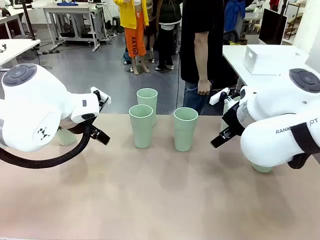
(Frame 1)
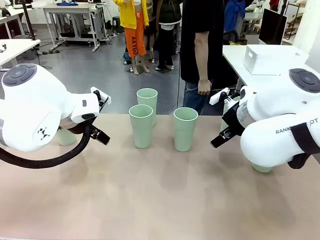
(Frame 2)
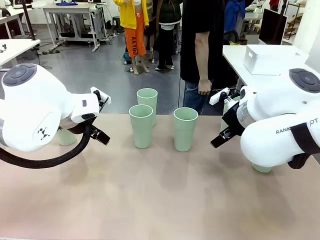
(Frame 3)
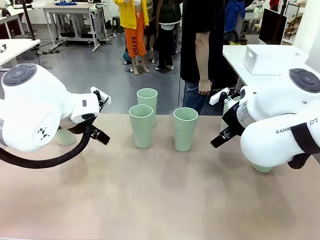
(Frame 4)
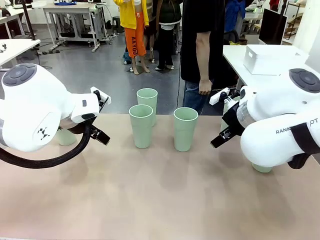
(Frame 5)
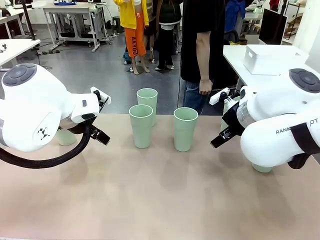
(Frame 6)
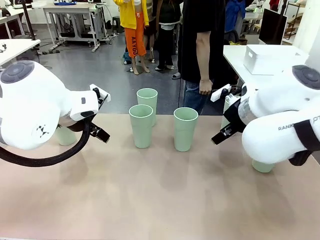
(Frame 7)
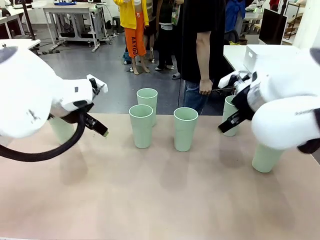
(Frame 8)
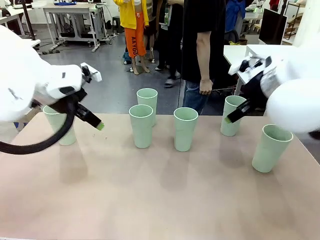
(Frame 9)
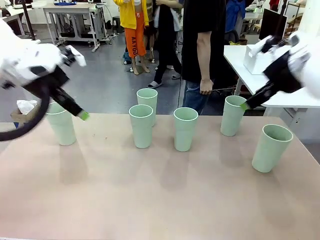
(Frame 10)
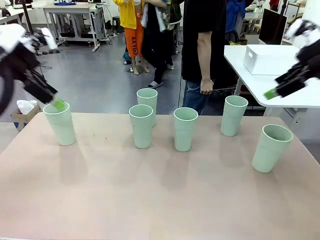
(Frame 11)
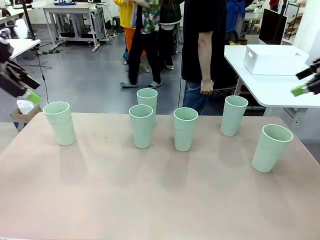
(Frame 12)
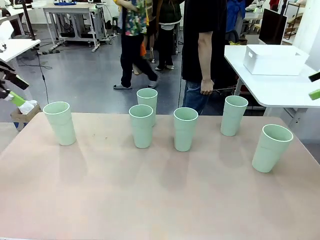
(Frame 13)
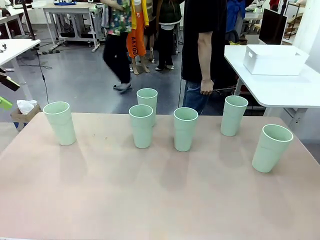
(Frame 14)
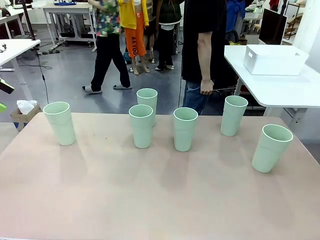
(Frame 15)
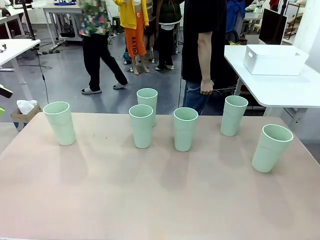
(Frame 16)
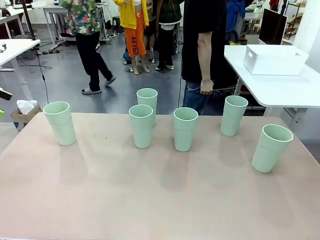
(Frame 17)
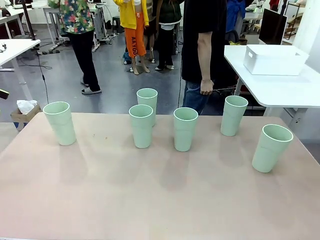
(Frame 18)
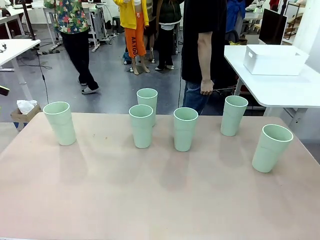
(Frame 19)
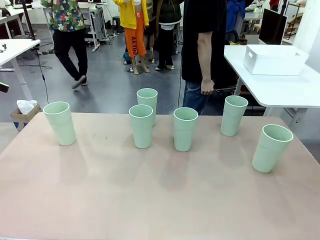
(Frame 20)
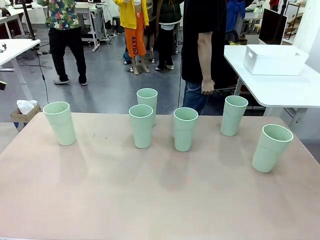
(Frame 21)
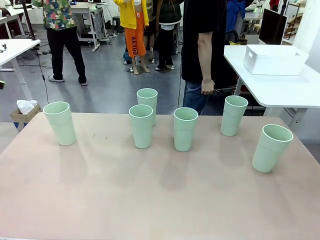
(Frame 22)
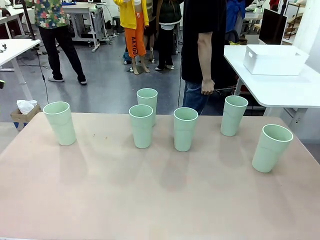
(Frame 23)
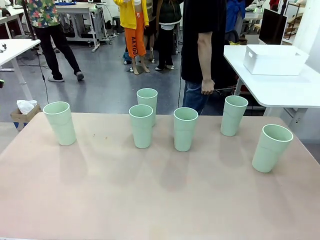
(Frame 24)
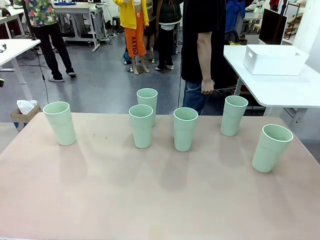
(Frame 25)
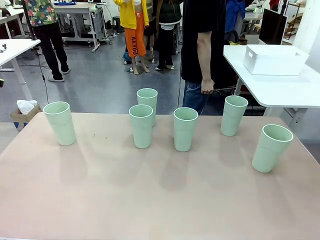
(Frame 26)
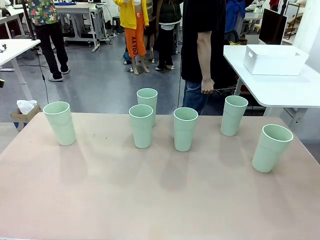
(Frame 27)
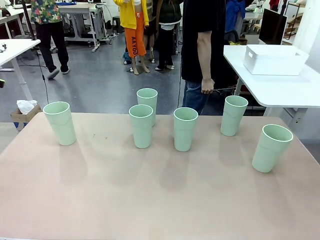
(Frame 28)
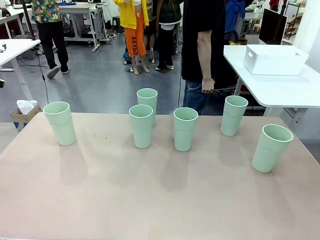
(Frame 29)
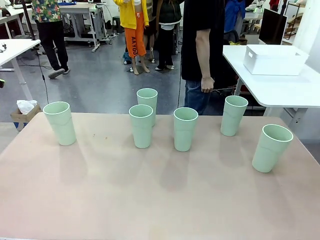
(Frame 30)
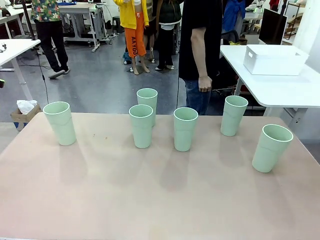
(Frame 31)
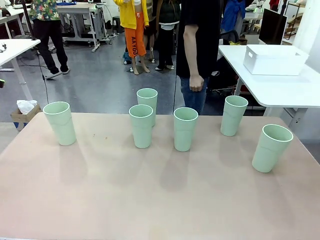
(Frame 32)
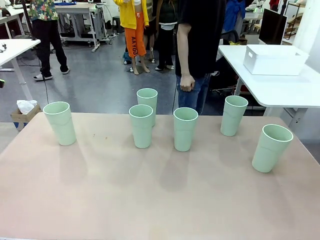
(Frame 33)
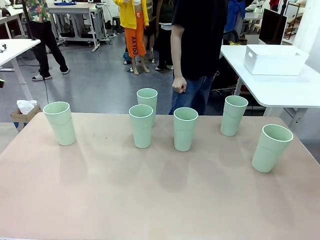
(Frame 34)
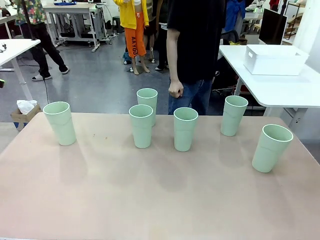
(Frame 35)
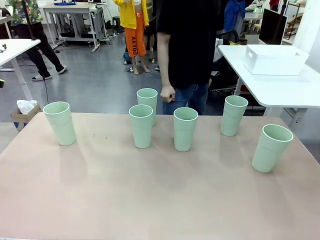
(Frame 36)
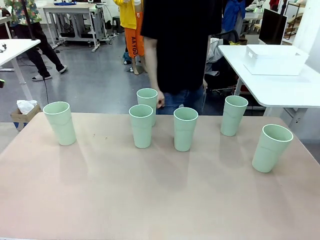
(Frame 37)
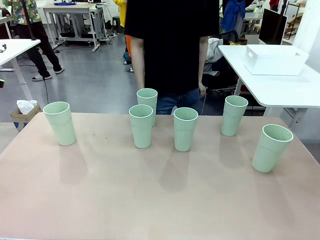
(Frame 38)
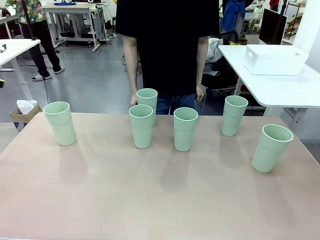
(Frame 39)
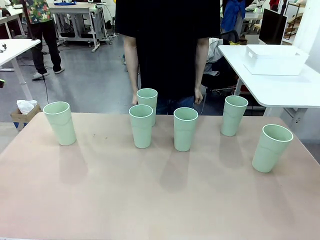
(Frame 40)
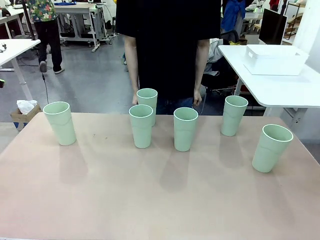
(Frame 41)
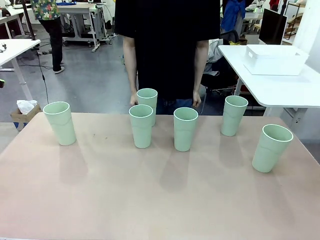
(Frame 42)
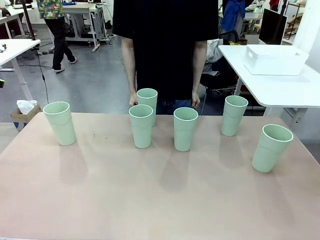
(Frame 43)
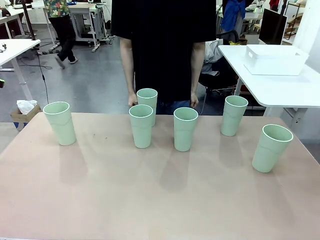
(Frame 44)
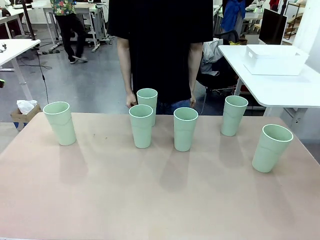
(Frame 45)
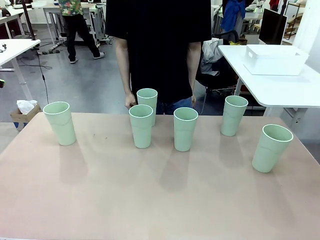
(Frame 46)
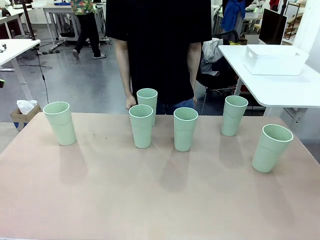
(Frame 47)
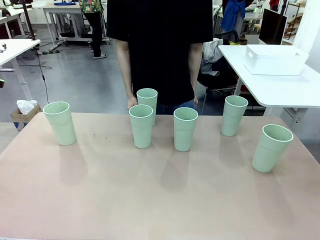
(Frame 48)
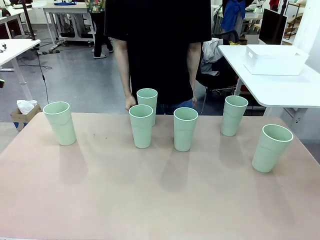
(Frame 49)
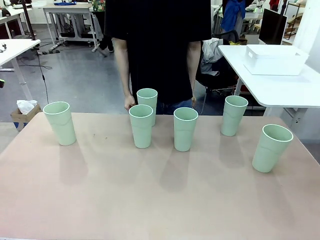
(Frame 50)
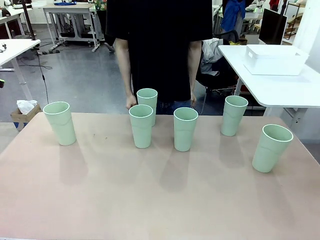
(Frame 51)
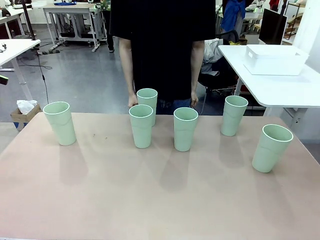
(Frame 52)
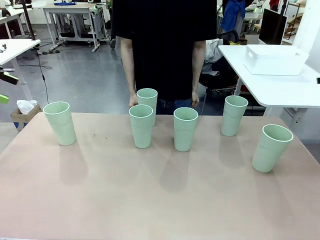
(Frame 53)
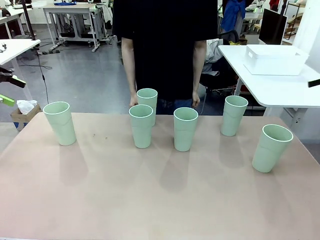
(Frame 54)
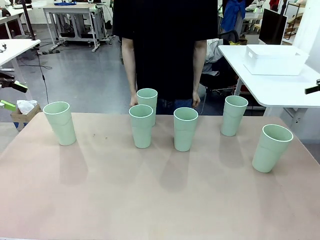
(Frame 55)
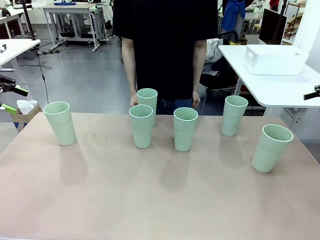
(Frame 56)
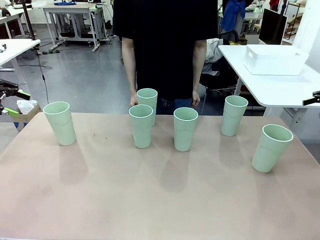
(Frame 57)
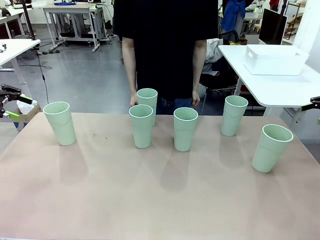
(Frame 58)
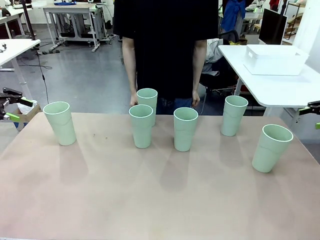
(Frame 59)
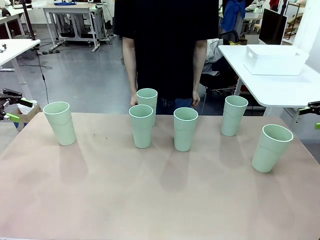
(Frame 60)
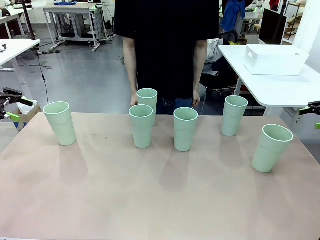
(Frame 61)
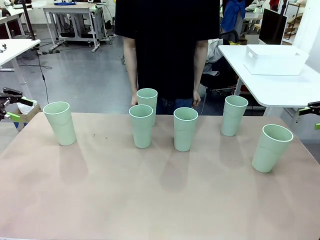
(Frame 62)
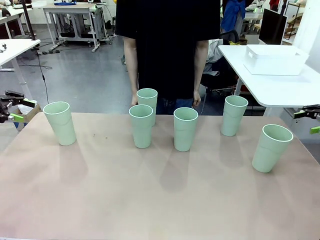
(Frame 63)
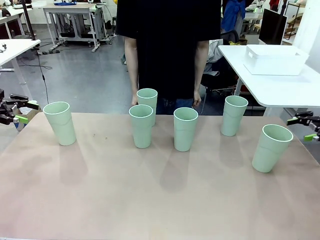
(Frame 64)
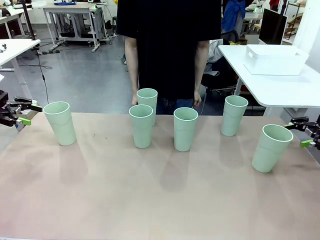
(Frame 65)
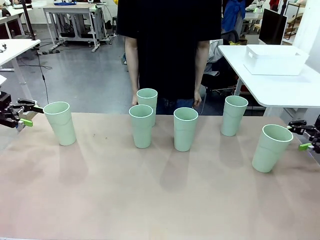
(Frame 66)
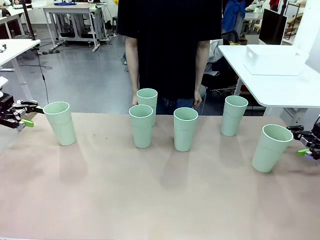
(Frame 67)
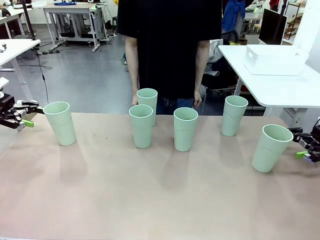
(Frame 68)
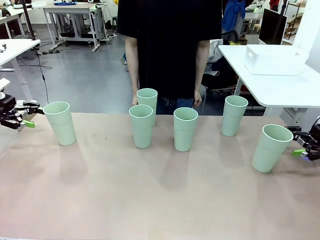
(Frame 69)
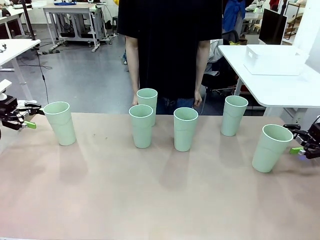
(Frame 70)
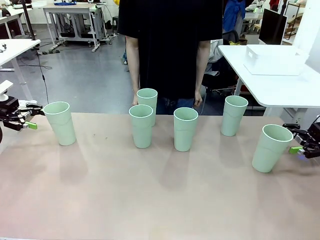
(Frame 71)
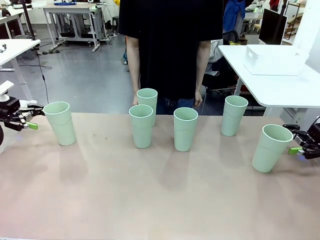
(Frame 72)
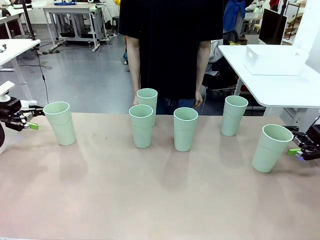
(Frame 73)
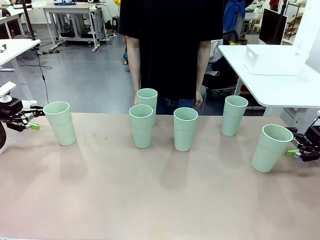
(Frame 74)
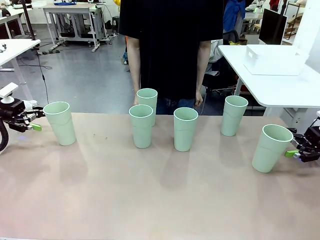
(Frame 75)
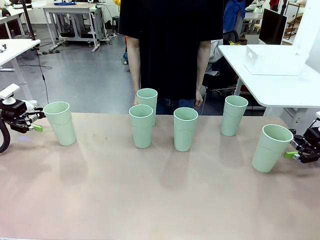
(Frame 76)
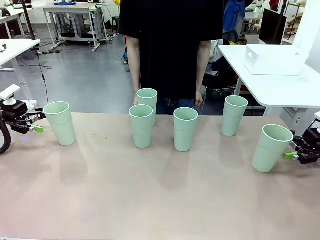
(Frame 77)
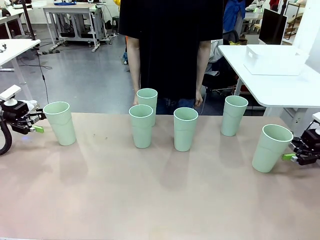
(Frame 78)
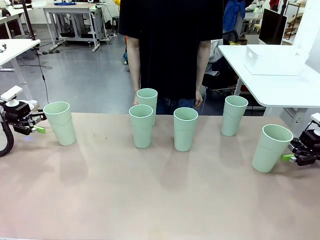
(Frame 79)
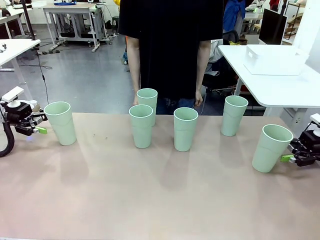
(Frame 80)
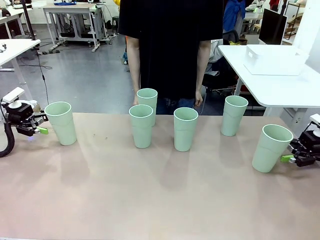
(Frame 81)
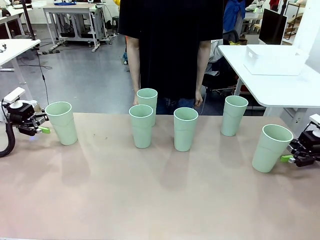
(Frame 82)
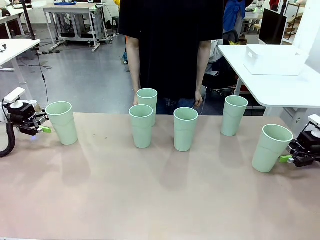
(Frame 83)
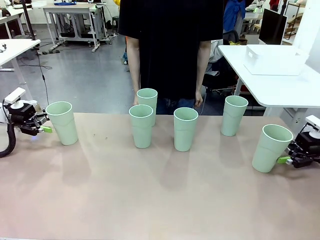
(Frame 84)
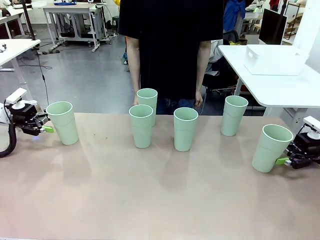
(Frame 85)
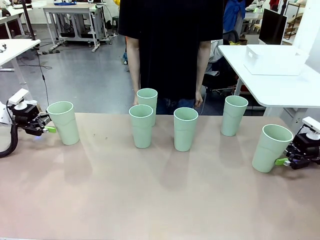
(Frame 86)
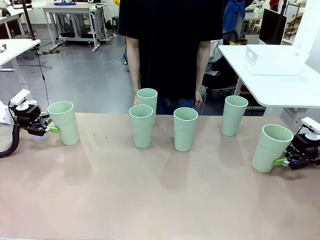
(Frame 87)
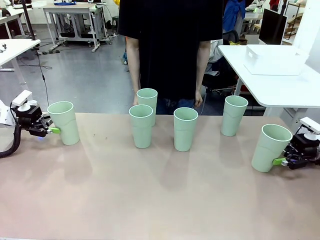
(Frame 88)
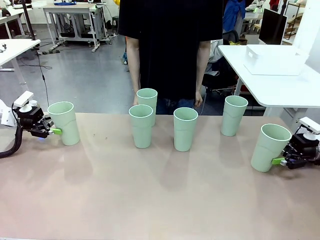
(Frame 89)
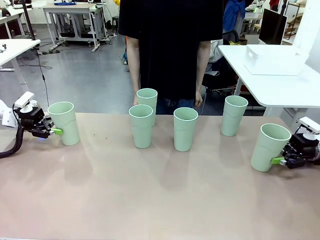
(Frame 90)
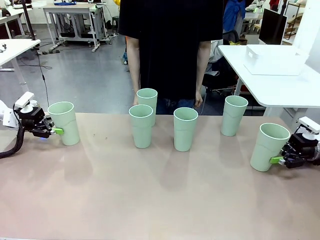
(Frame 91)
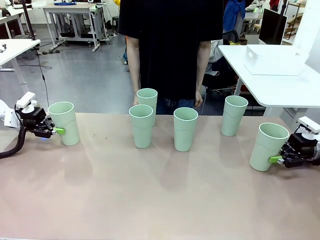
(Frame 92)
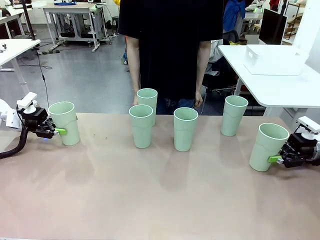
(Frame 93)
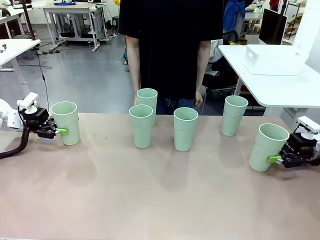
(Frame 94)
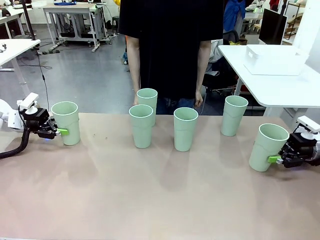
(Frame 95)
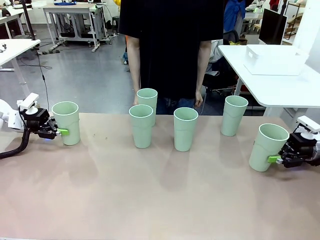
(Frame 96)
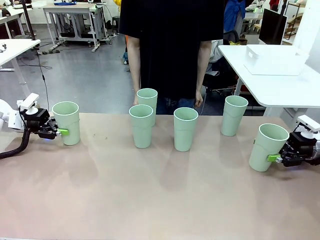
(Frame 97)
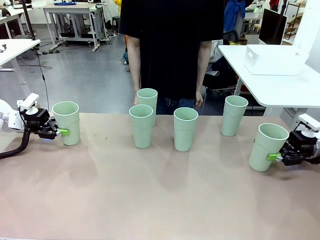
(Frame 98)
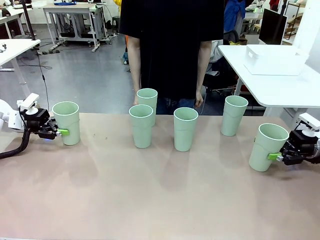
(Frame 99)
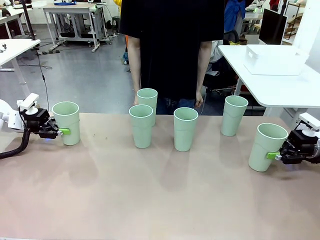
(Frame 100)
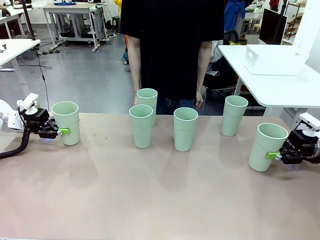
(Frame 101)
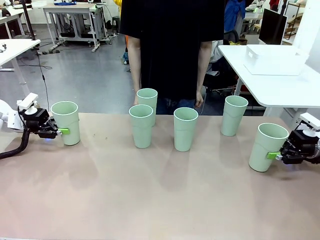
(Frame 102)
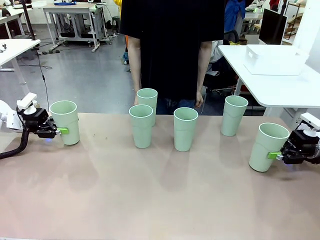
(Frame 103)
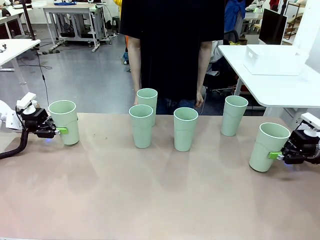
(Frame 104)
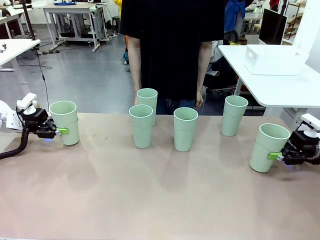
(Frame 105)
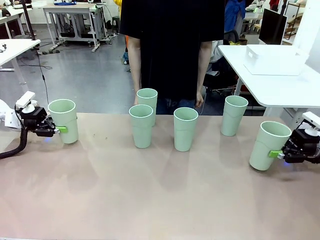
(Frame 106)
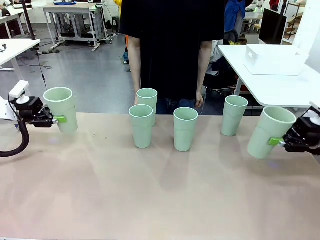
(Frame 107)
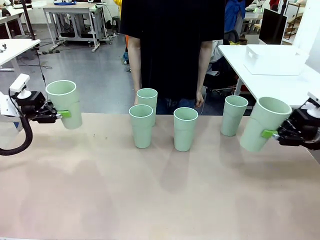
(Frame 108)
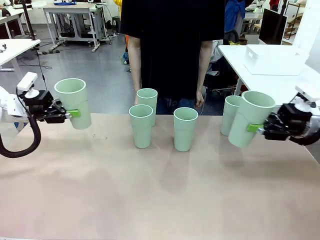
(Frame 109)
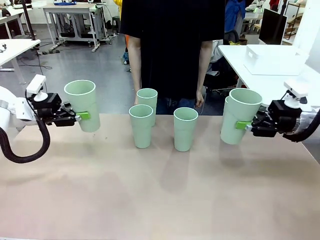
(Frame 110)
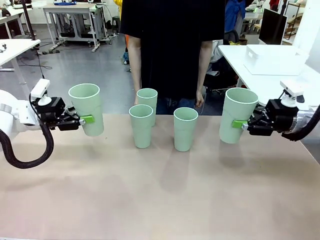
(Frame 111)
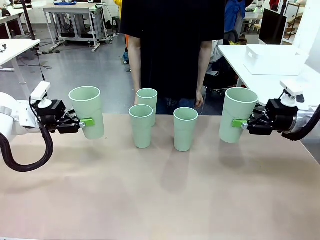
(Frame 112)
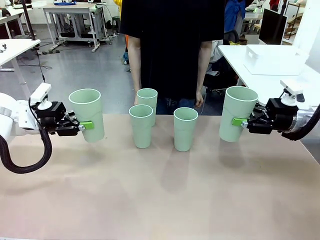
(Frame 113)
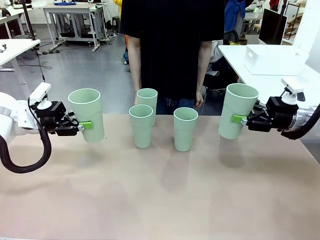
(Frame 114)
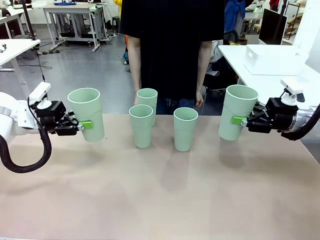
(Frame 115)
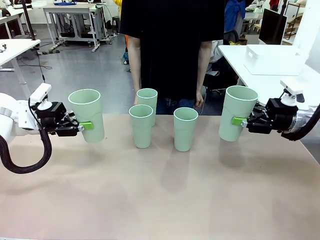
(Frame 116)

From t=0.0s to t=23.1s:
Task: Stack the cups and store them in the basket.
Robot: Pick up two Reusable plastic cups , one in each hand.
Person: Move from the Human Table to the front of the Robot Table. Stack two of the remaining cups on top of each cup held by the robot.
